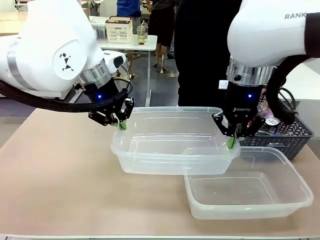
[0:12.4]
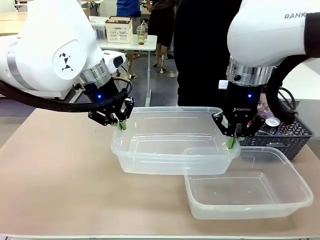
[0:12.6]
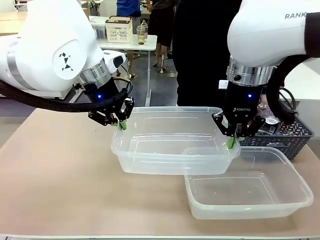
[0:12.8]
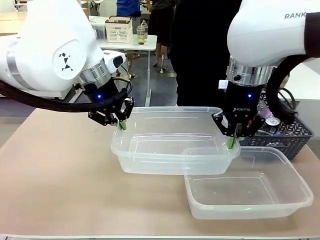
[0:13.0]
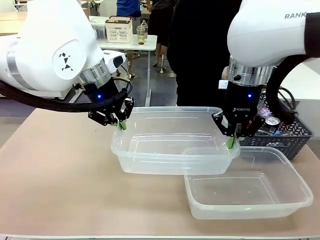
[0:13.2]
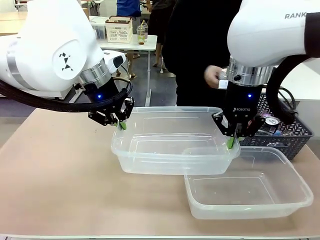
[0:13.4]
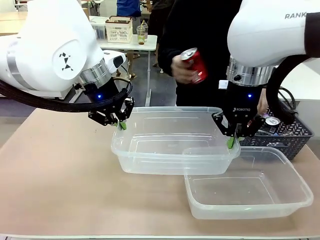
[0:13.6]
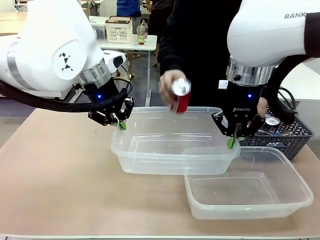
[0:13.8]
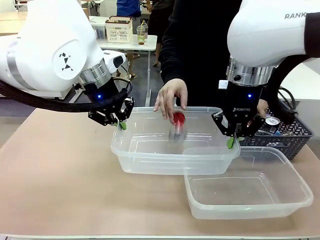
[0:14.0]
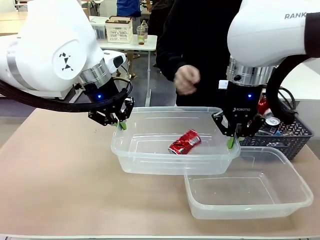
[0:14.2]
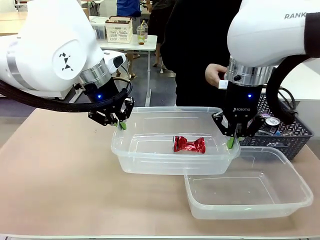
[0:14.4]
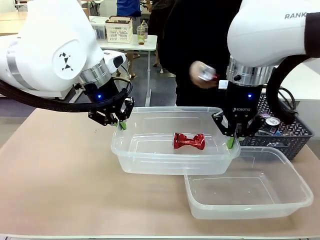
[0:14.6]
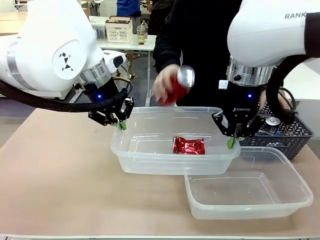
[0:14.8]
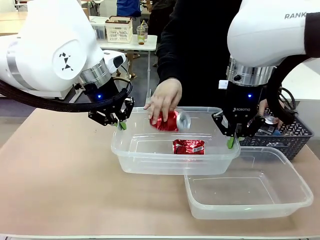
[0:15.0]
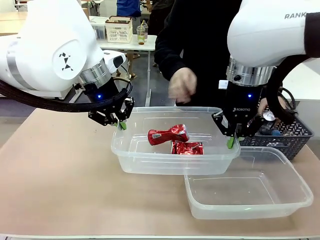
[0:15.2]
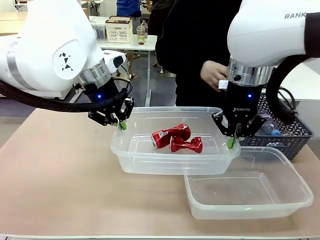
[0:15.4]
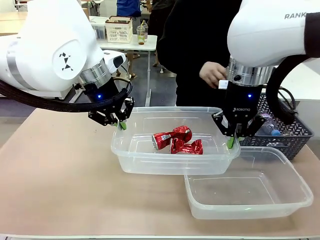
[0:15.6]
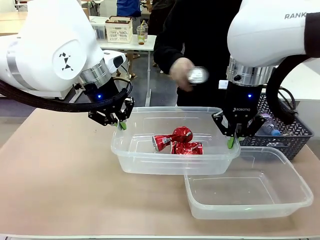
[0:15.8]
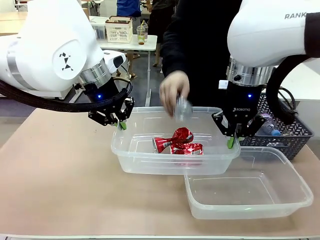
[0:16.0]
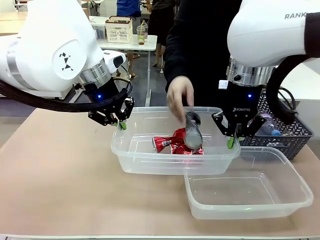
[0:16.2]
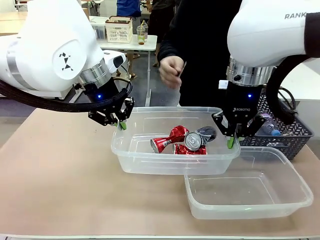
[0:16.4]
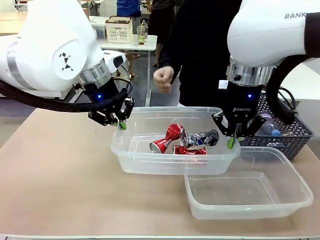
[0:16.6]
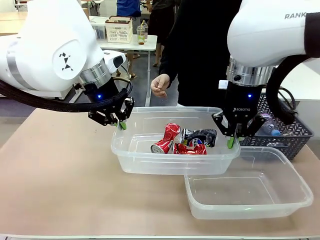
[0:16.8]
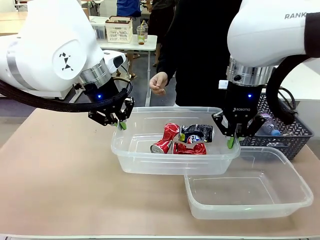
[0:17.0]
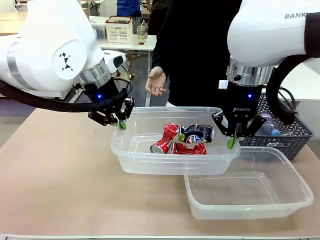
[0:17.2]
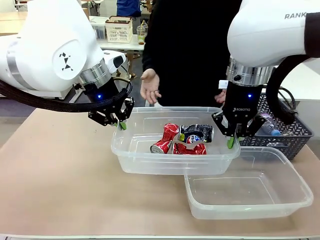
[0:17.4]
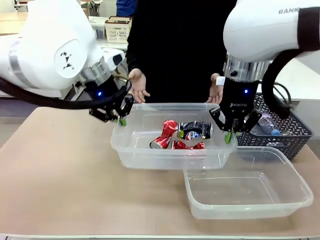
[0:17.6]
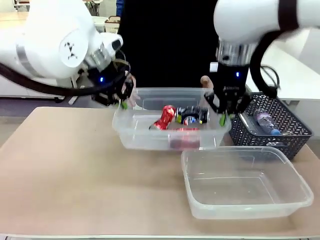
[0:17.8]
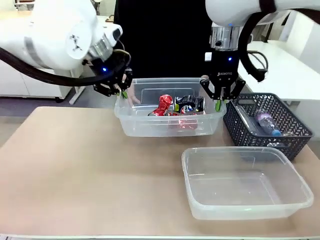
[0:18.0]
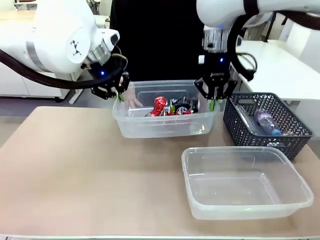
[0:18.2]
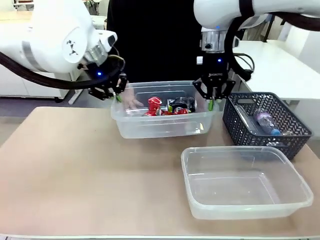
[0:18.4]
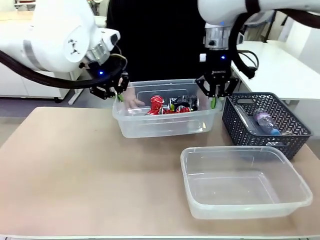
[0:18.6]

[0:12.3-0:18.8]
Robot: Offer the picked Organizing box to the human.

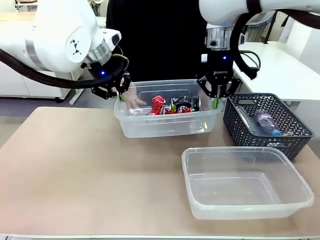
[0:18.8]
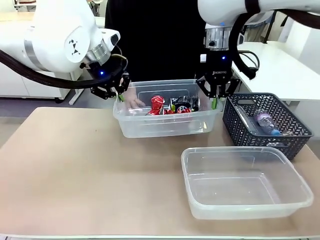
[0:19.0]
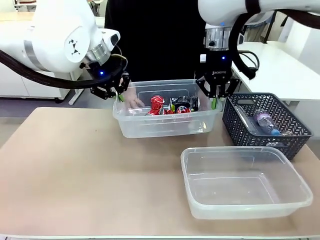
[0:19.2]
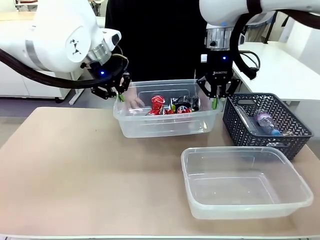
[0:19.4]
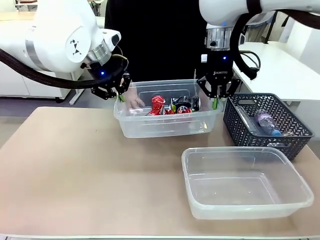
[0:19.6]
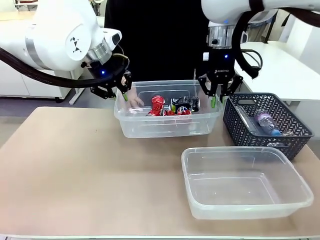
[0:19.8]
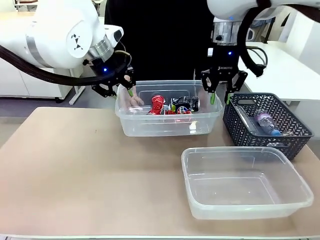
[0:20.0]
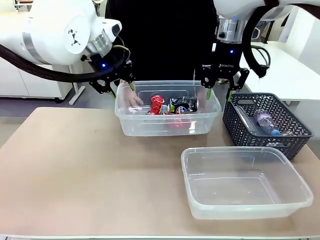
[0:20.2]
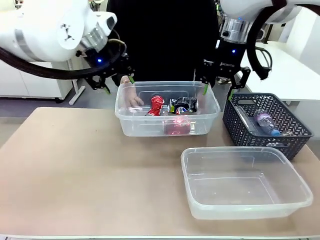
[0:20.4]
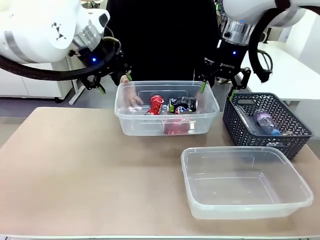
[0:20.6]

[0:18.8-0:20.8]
Robot: Release the Organizing box you were holding.

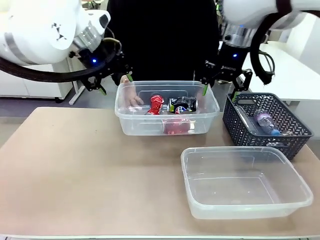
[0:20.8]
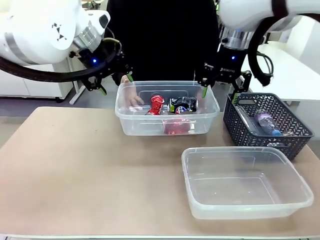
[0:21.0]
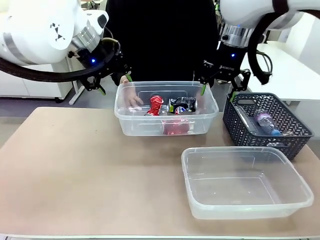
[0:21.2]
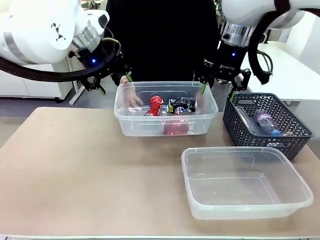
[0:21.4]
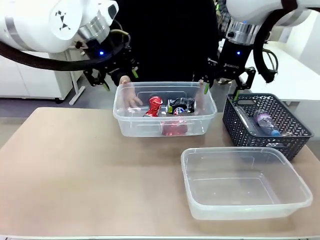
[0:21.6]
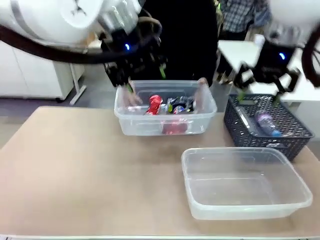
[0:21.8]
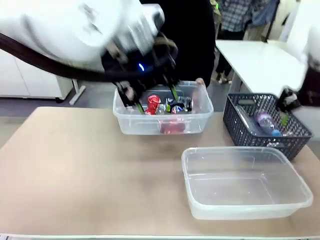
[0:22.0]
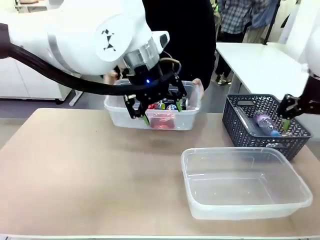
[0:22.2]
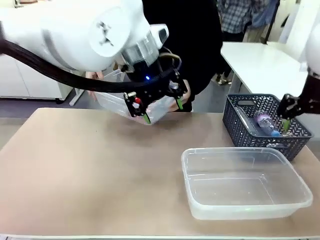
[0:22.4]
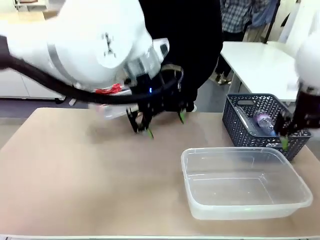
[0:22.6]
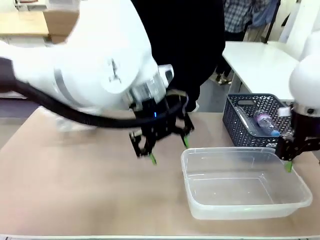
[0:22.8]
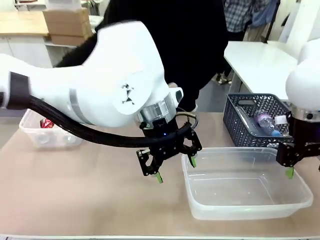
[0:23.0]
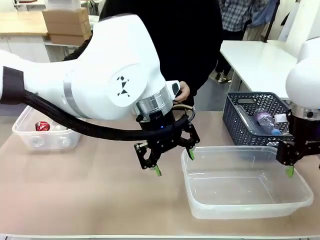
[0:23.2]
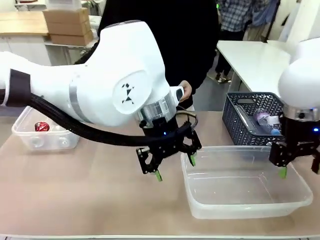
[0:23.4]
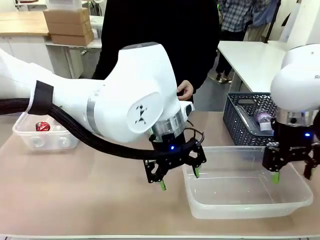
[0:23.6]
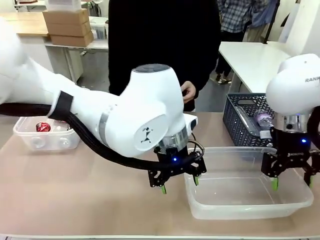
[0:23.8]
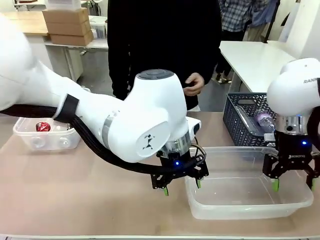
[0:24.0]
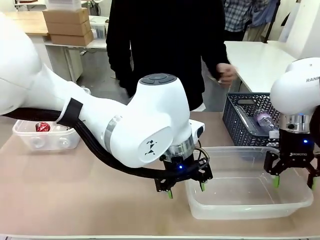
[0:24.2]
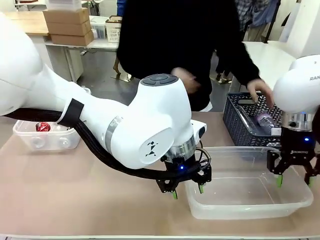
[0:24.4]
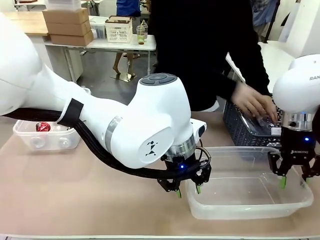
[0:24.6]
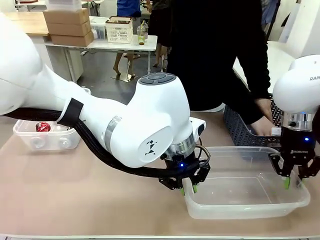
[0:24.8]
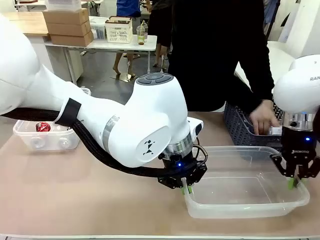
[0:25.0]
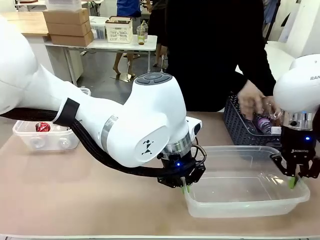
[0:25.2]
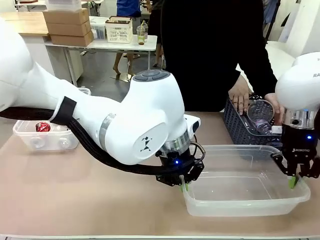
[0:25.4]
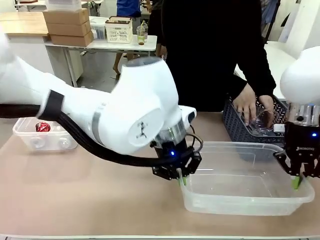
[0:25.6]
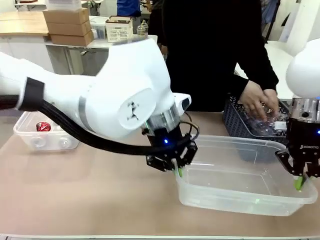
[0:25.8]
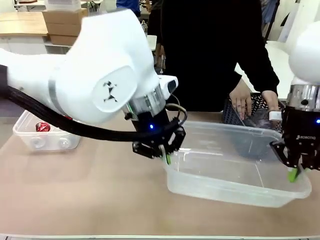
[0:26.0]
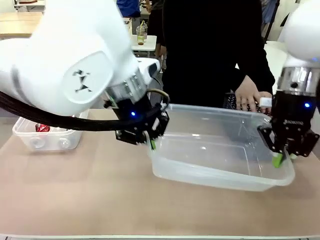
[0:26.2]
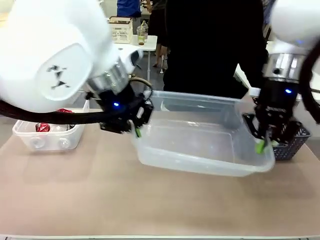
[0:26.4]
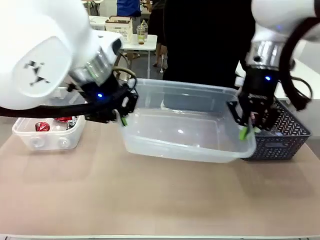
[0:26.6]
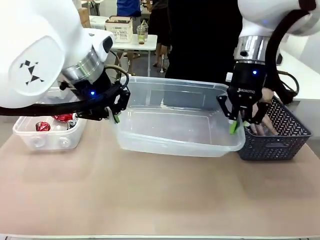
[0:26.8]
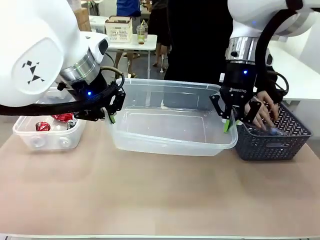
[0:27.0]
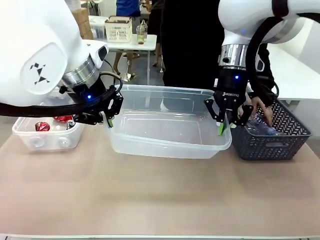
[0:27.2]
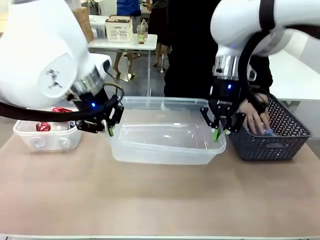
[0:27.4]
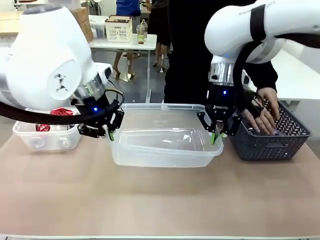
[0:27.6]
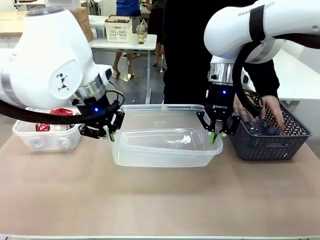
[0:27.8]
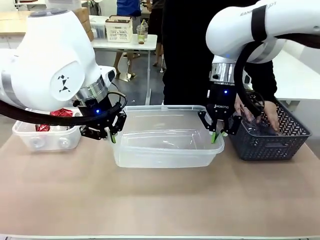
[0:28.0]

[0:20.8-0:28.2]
Robot: Pick up the Organizing box on the right side of the table and lift it.
Person: Place it at the edge of the bottom right area of the robot table.

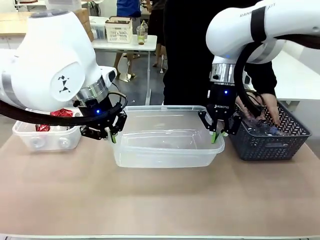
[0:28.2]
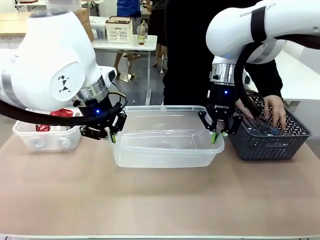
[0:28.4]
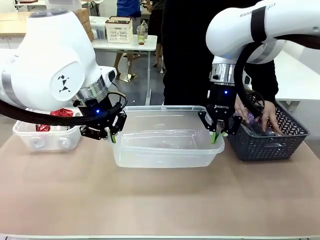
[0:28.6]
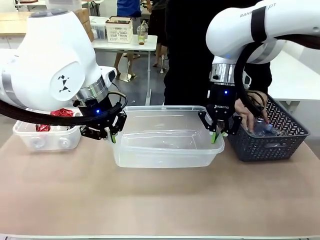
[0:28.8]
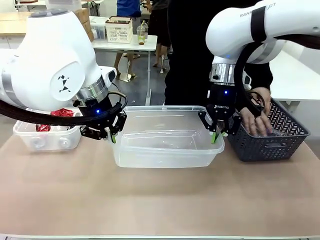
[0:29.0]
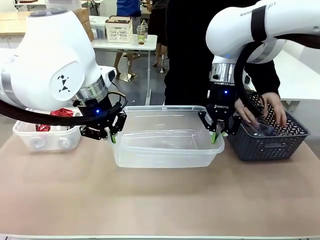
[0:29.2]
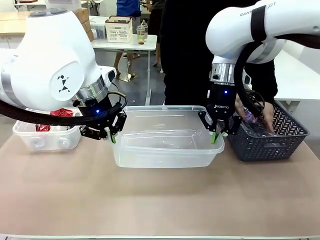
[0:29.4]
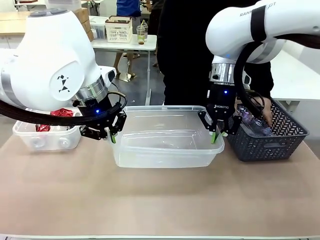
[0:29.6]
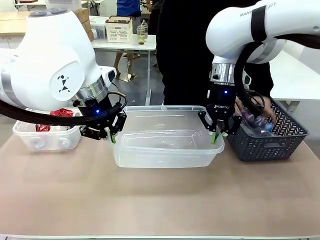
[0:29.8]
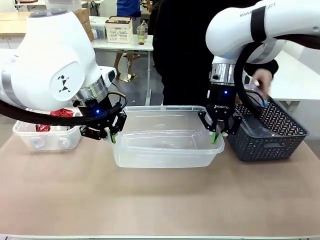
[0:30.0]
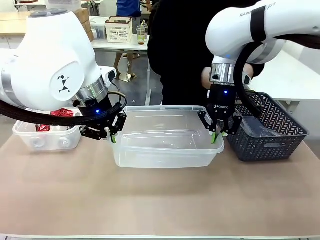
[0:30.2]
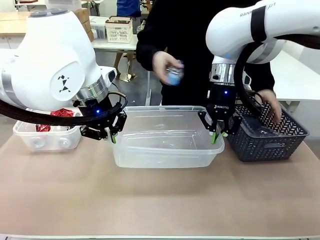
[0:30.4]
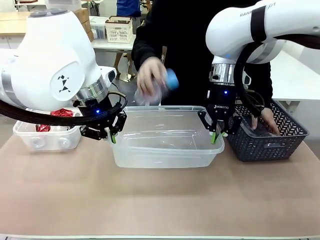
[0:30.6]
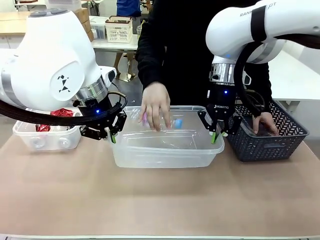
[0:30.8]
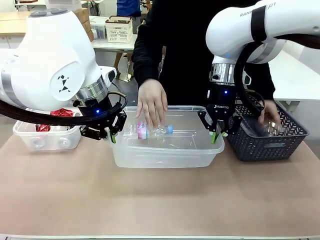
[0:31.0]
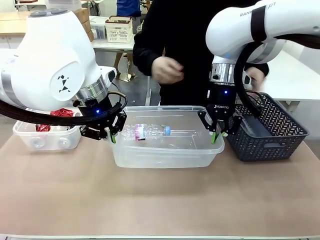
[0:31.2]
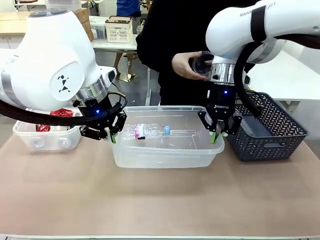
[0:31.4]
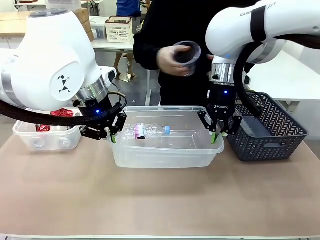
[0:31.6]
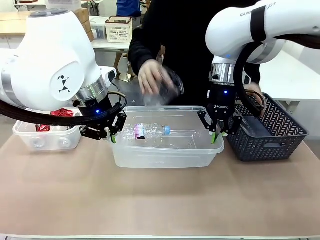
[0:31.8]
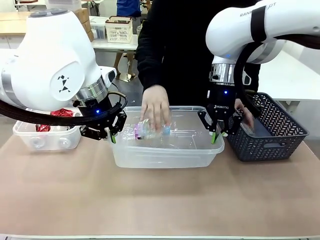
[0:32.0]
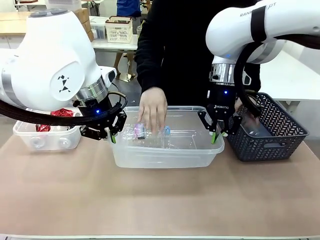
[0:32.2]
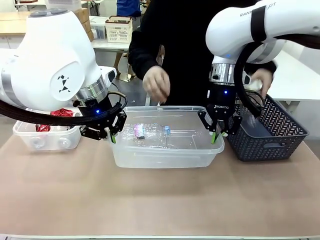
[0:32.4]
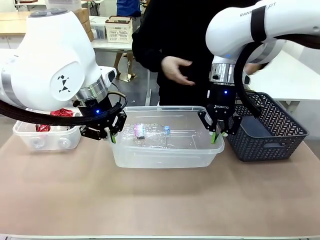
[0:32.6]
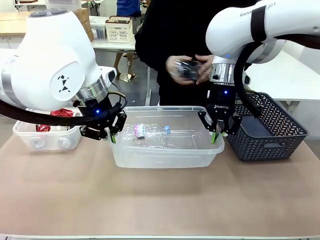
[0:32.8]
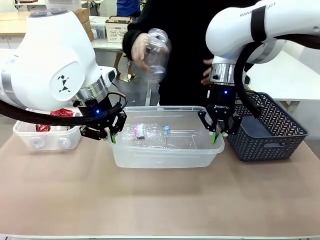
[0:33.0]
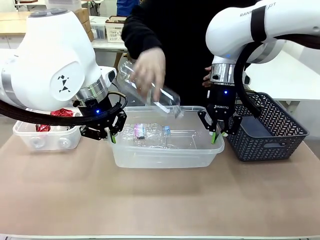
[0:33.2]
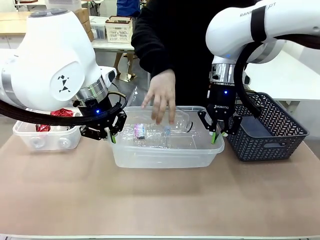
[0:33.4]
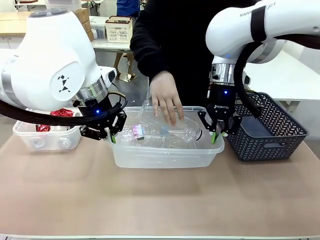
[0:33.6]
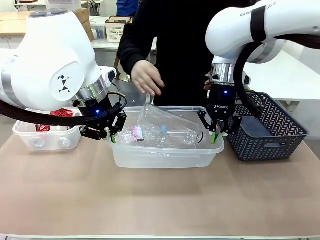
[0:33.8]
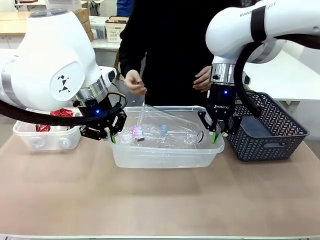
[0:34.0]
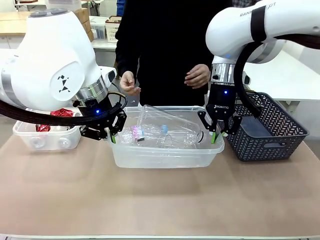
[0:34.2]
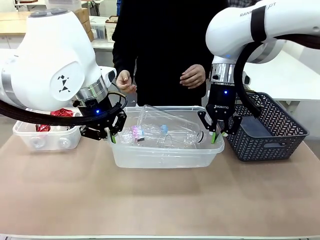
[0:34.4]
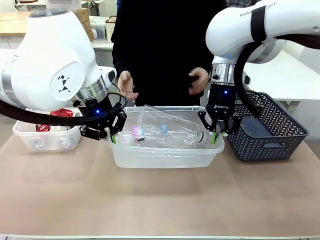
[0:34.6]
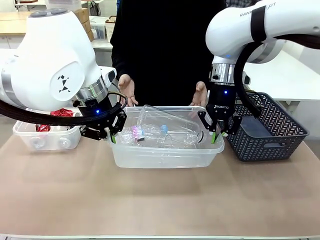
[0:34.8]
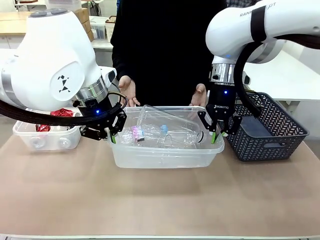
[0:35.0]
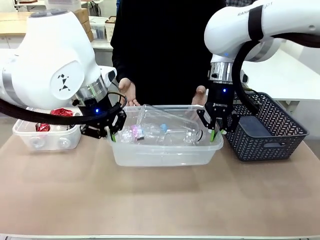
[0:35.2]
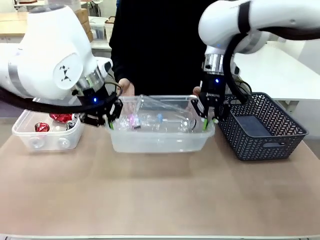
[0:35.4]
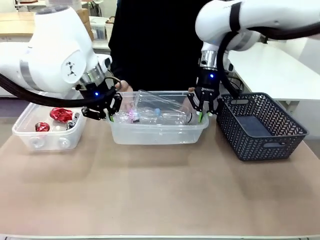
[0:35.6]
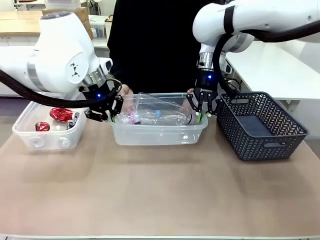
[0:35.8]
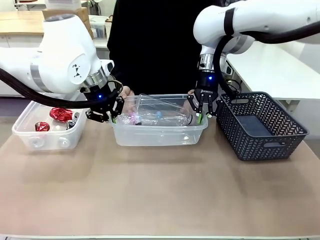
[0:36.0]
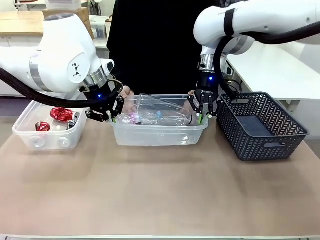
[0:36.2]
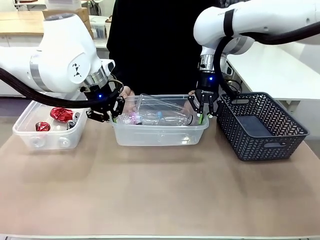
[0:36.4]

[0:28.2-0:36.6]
Robot: Offer the picked Organizing box to the human.
Person: Pick up plastic waste one by one and place it into the organizing box lifted by the robot.
